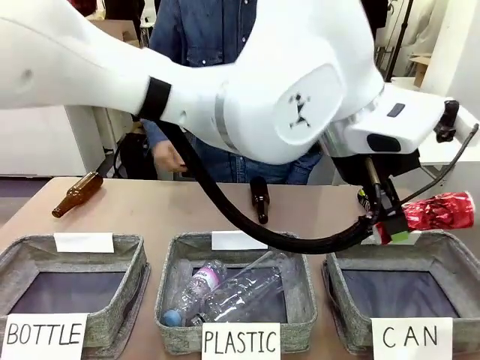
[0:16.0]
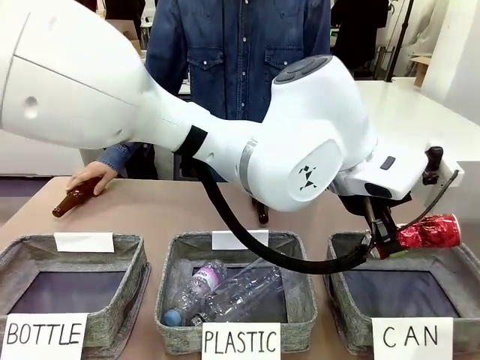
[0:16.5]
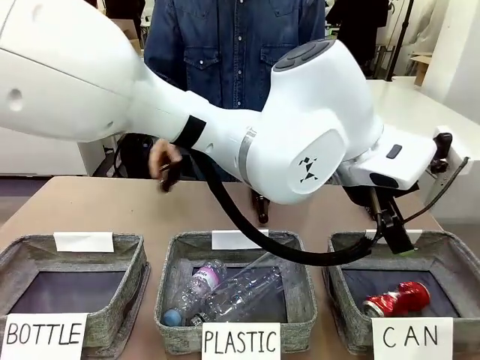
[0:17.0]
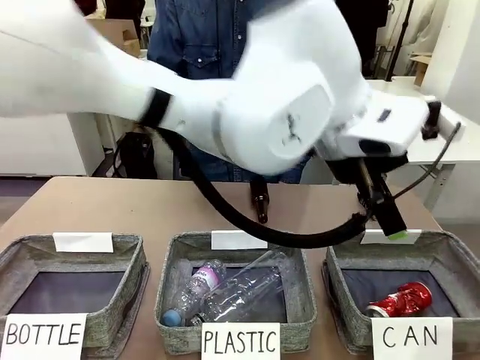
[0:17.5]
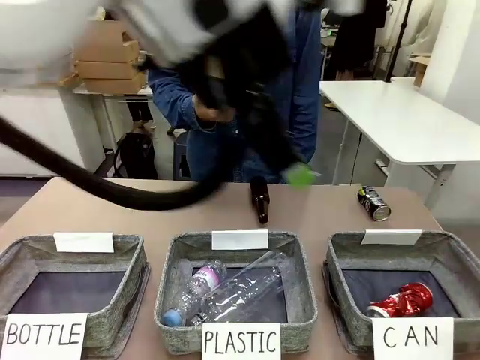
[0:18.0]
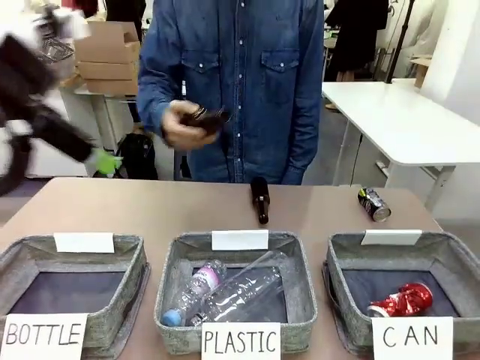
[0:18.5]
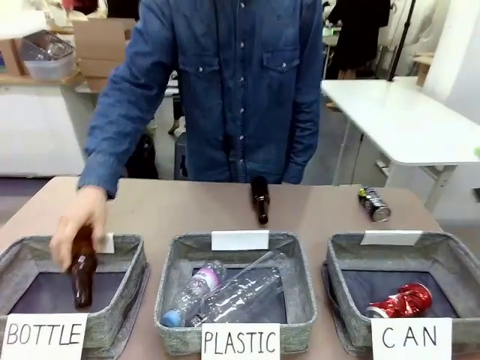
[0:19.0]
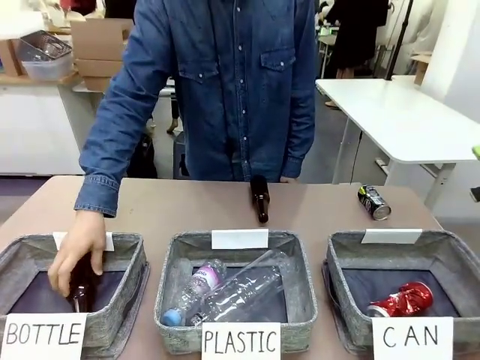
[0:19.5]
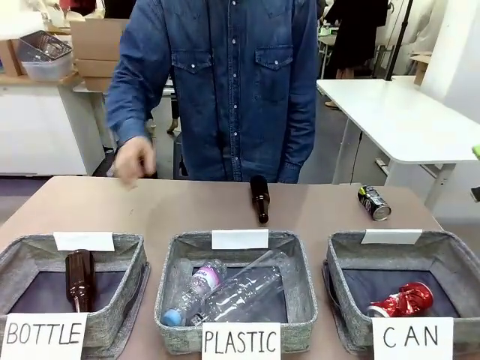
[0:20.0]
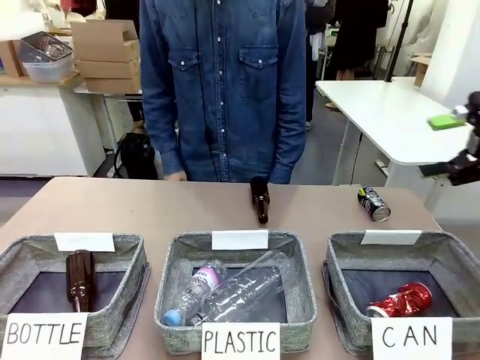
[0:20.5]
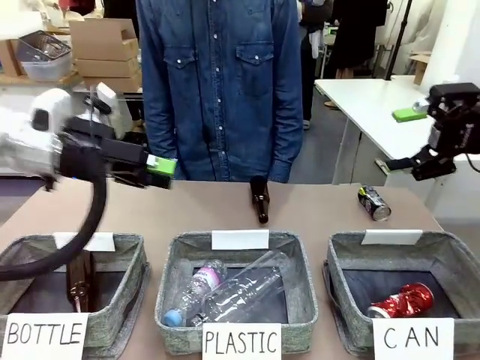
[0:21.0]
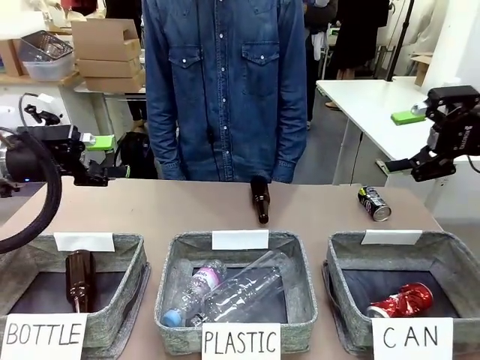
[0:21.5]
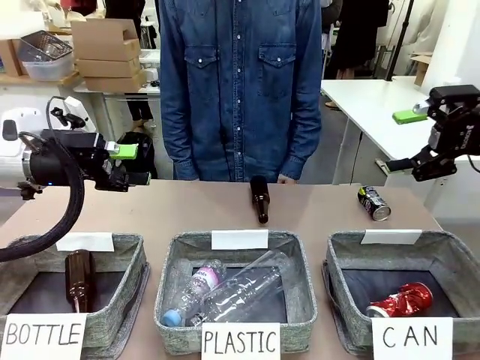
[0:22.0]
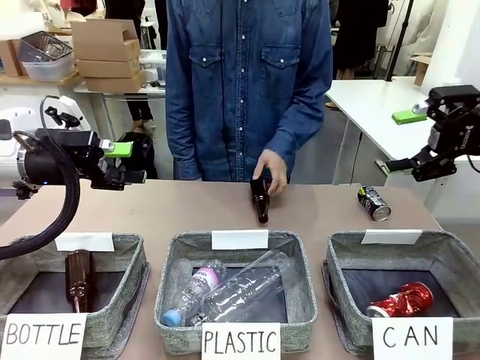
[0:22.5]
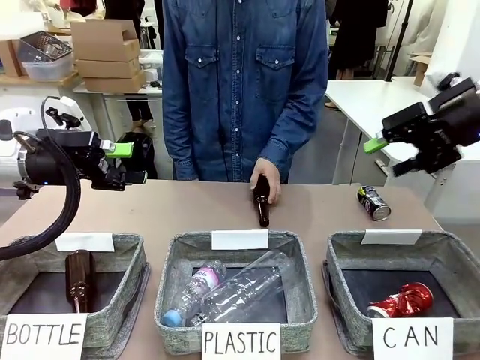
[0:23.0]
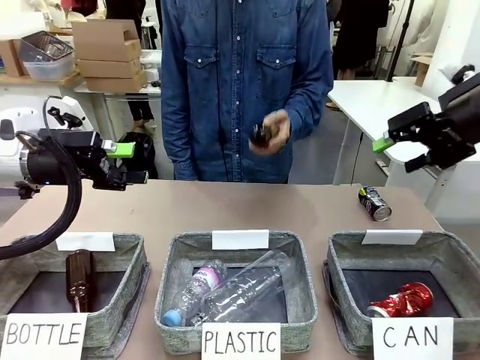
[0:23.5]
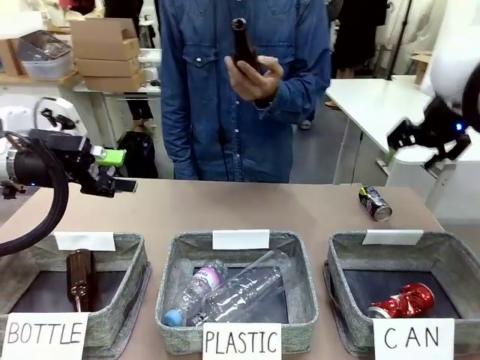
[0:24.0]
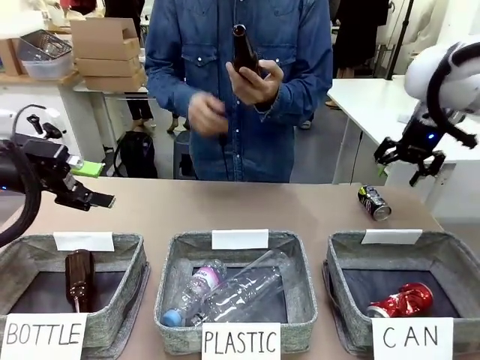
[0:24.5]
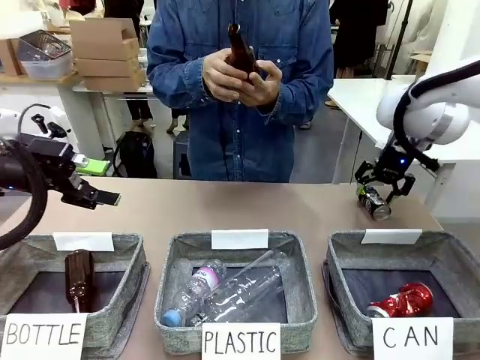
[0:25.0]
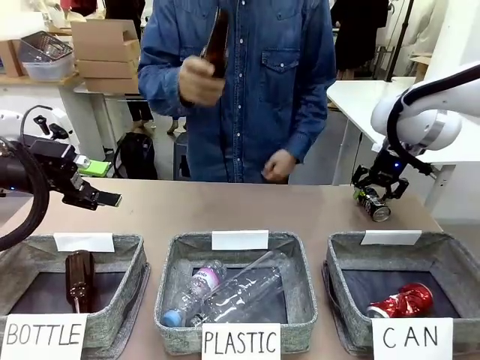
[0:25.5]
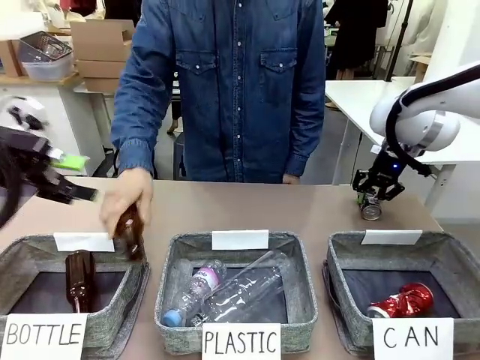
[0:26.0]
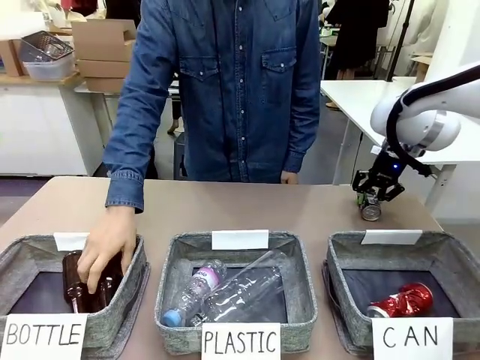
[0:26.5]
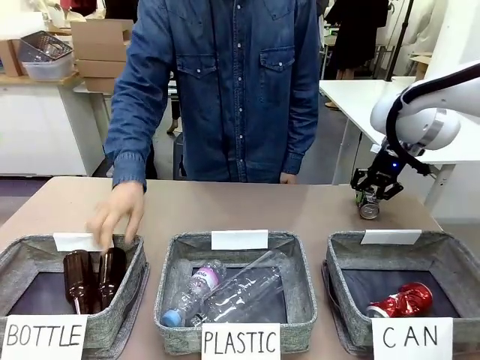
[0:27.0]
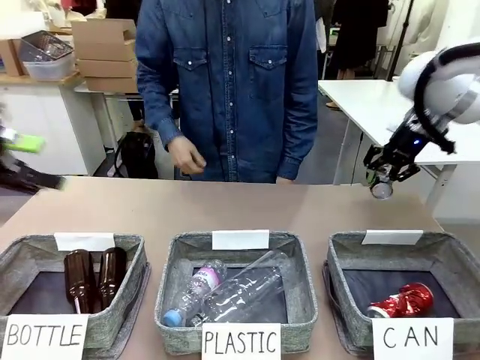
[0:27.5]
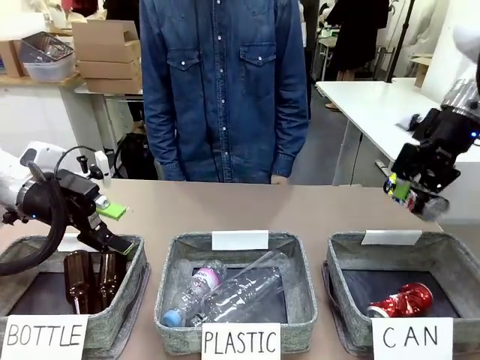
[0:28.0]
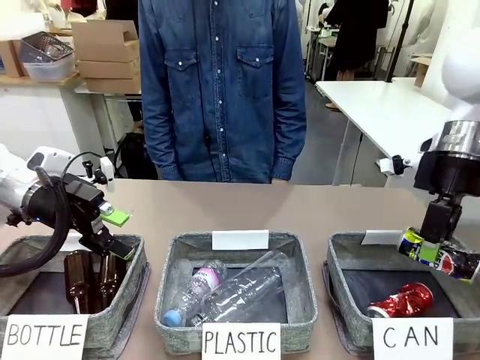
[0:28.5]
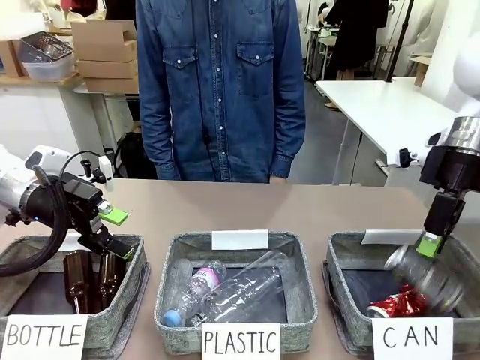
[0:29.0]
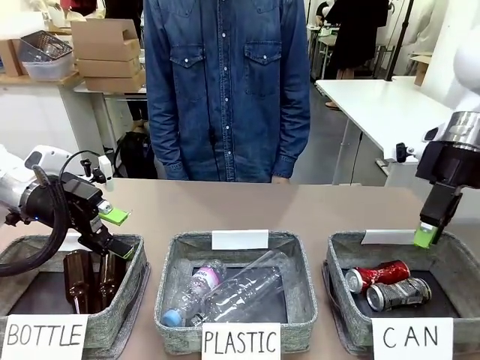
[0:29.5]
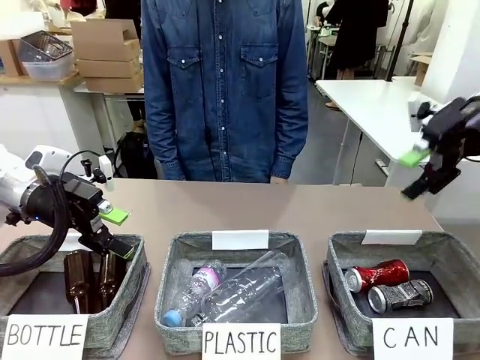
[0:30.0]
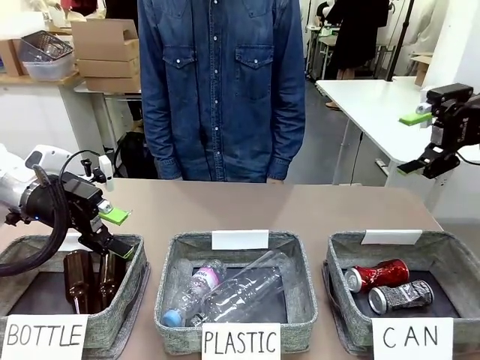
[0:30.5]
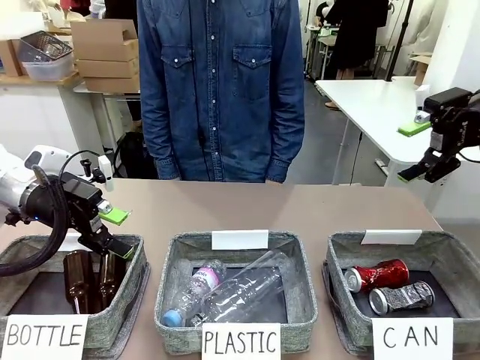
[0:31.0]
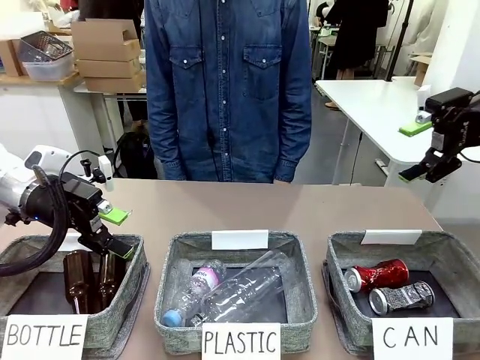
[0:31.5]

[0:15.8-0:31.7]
Task: Sort the can waste into the basket.
Robot: Pick up the can waste from the table and place it in the right Fabric basket.
Person: The human picks up one piece of trash that is not a can and places the trash into the appropriate organizing basket.

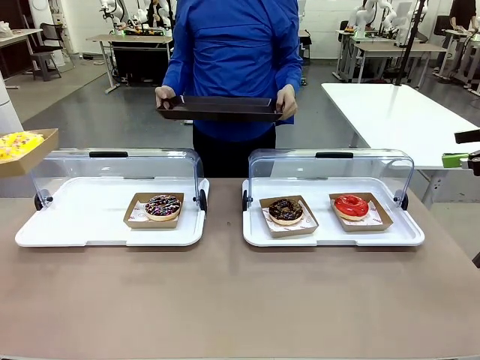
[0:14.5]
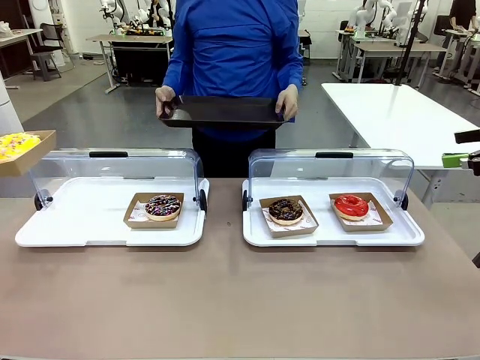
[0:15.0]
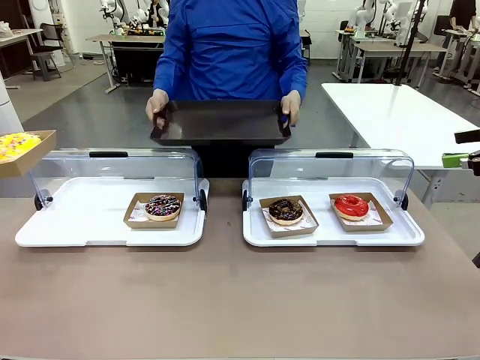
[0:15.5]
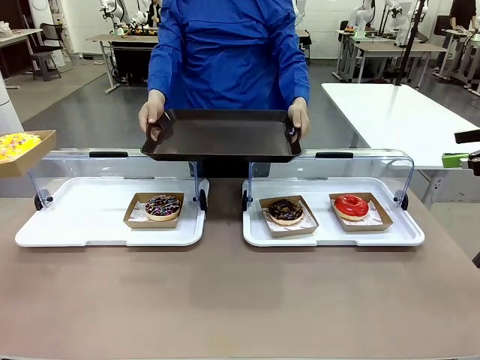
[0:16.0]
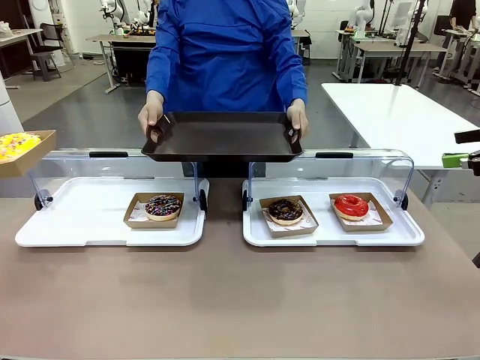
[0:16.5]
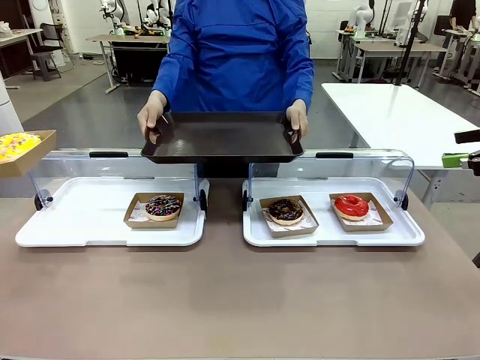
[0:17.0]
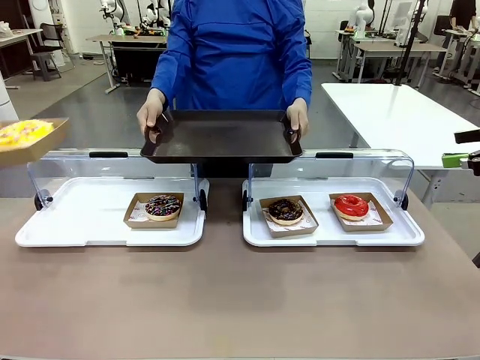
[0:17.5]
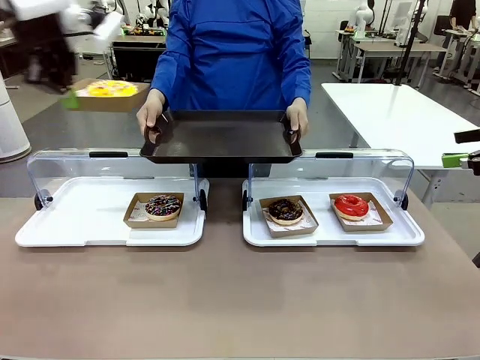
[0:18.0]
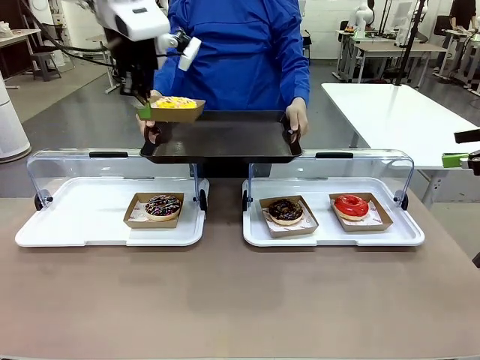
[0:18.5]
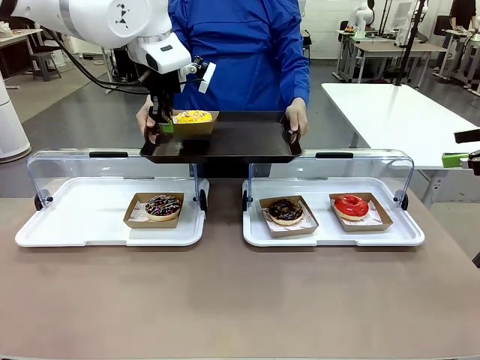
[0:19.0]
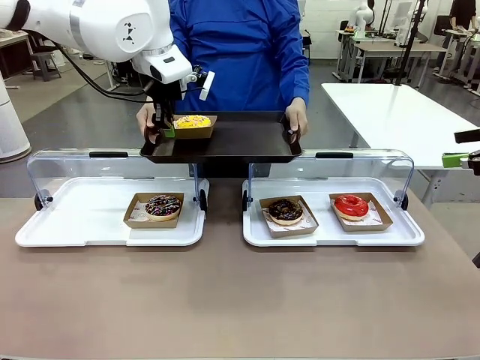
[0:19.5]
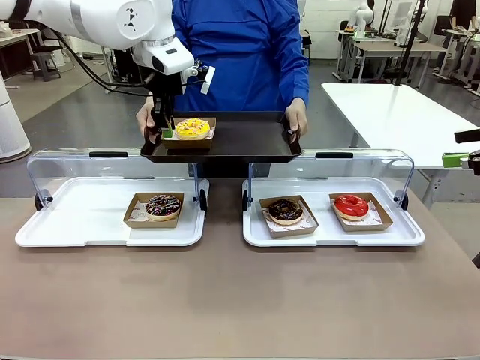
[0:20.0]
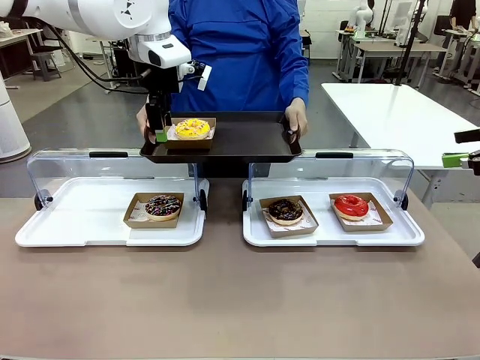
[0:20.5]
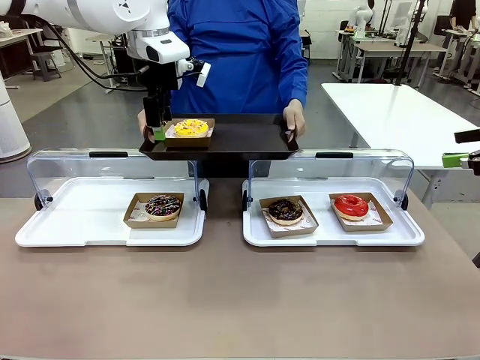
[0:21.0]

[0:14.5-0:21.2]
Task: Provide the desired donut to the person.
Robot: Place the picked Paper togo box onto the Handle tray extended by the person.
